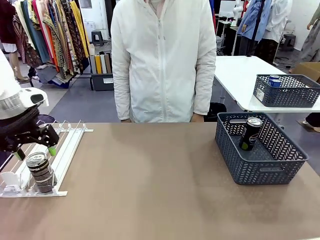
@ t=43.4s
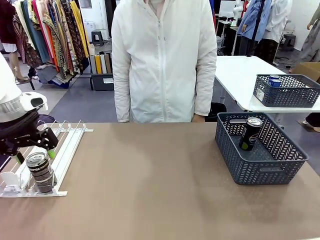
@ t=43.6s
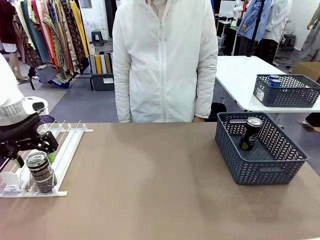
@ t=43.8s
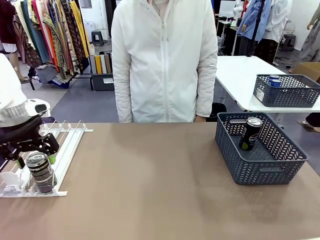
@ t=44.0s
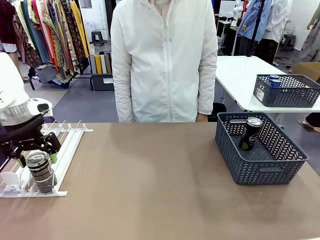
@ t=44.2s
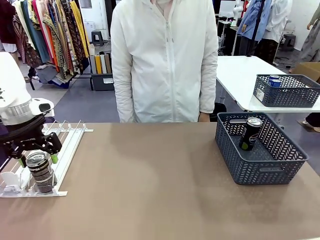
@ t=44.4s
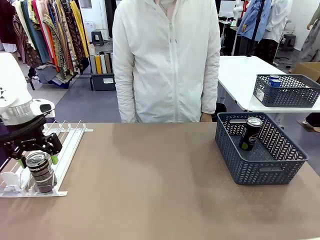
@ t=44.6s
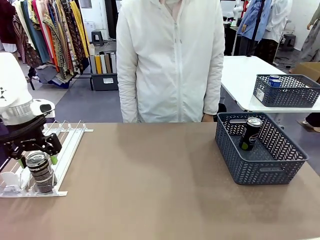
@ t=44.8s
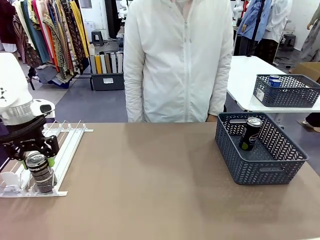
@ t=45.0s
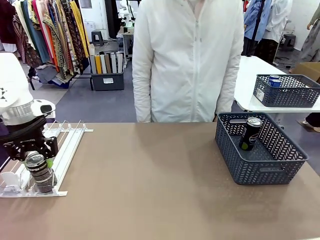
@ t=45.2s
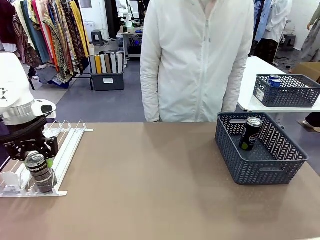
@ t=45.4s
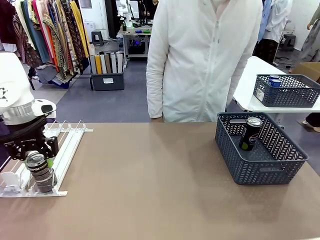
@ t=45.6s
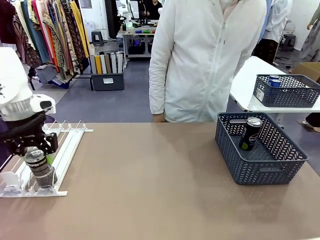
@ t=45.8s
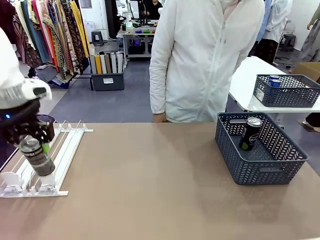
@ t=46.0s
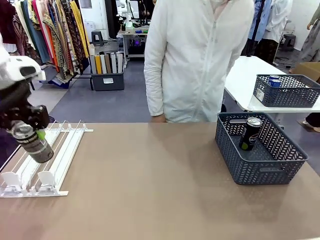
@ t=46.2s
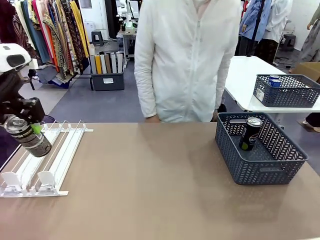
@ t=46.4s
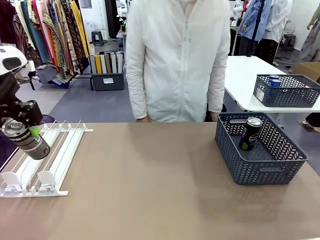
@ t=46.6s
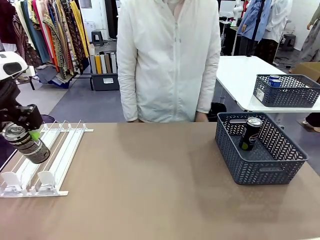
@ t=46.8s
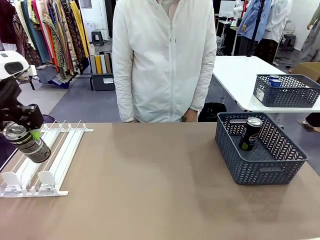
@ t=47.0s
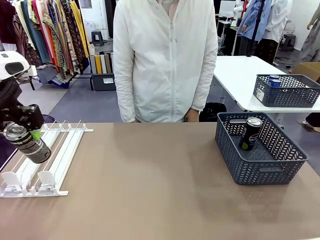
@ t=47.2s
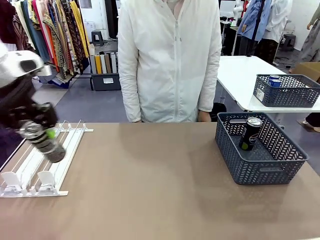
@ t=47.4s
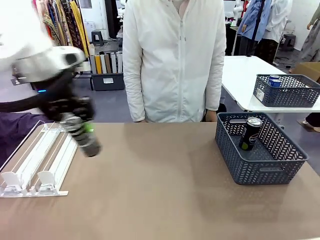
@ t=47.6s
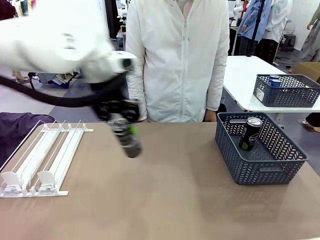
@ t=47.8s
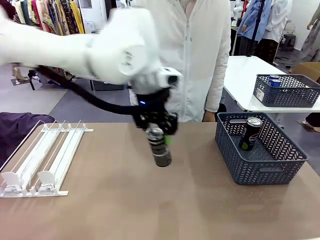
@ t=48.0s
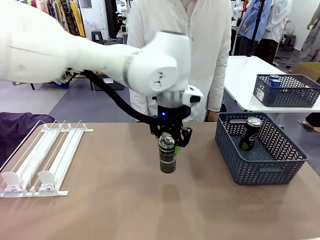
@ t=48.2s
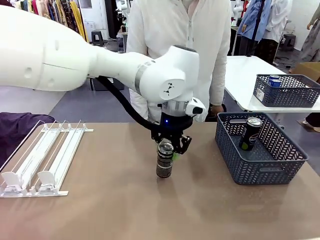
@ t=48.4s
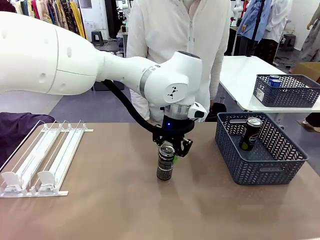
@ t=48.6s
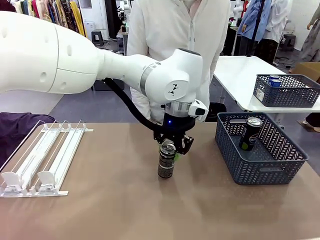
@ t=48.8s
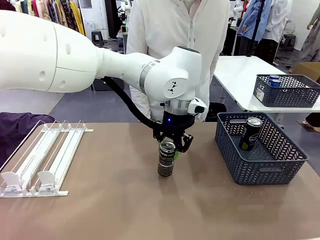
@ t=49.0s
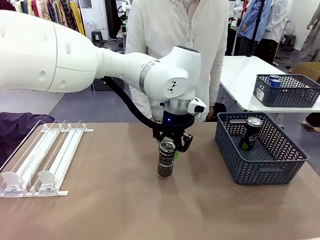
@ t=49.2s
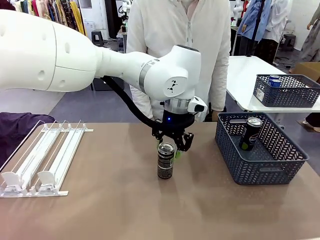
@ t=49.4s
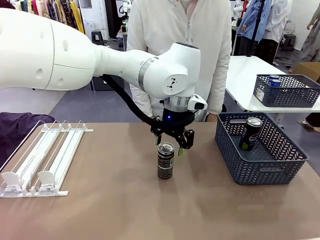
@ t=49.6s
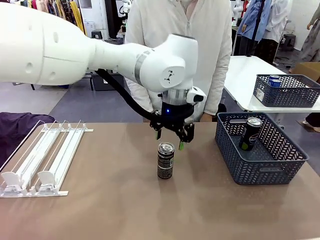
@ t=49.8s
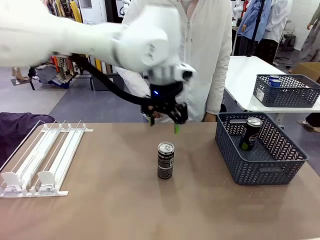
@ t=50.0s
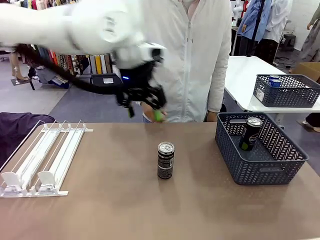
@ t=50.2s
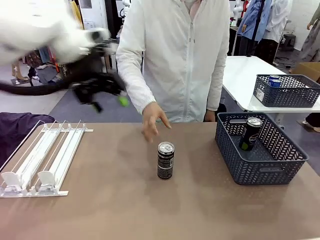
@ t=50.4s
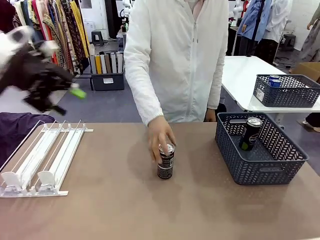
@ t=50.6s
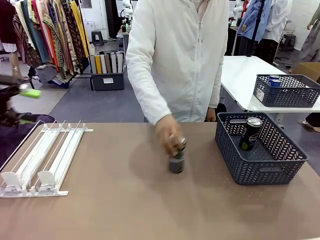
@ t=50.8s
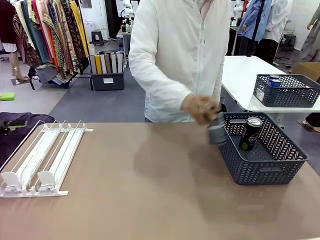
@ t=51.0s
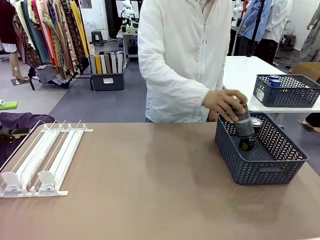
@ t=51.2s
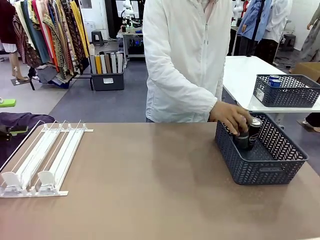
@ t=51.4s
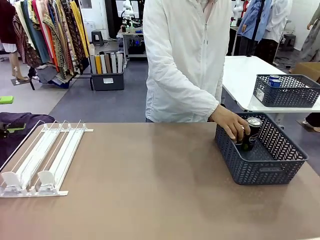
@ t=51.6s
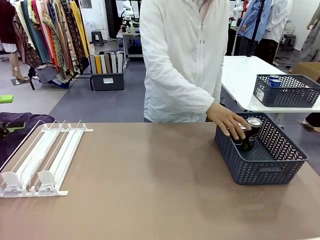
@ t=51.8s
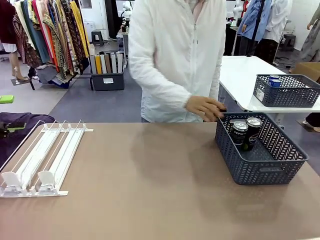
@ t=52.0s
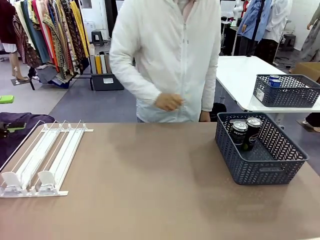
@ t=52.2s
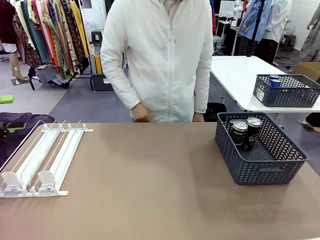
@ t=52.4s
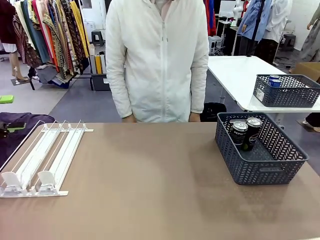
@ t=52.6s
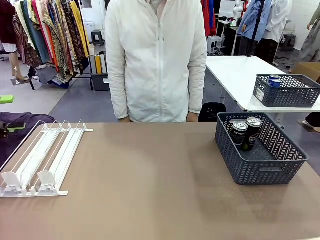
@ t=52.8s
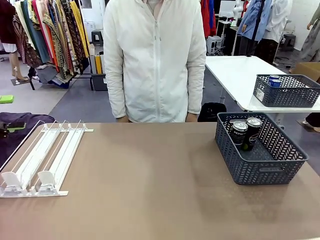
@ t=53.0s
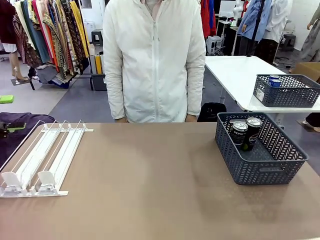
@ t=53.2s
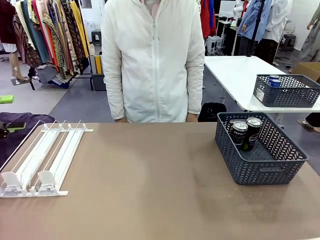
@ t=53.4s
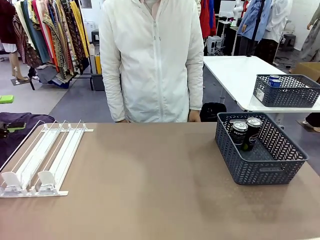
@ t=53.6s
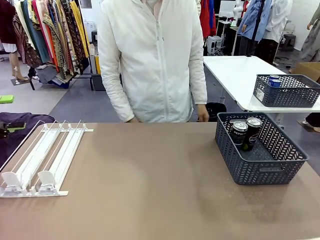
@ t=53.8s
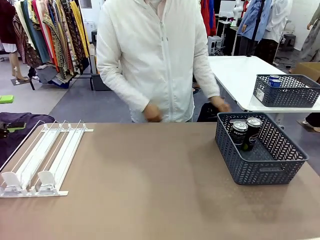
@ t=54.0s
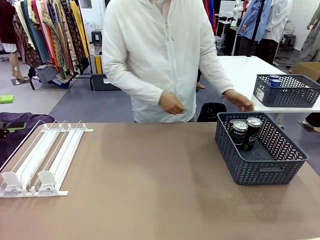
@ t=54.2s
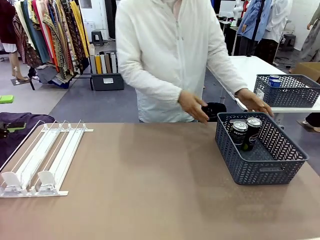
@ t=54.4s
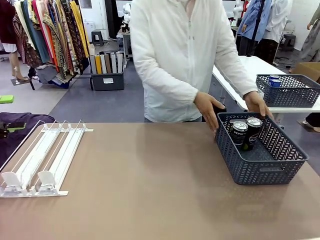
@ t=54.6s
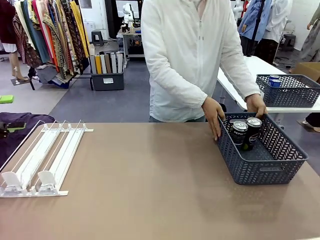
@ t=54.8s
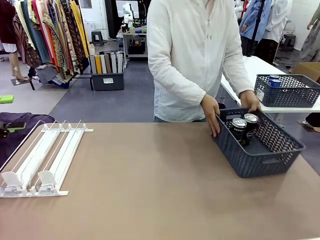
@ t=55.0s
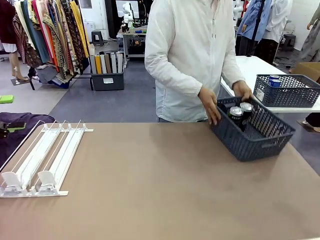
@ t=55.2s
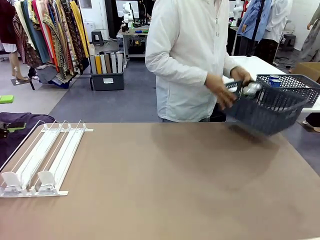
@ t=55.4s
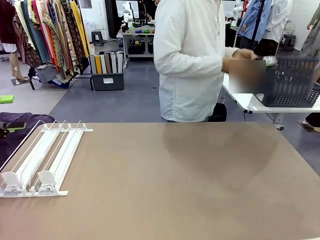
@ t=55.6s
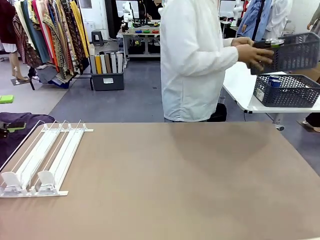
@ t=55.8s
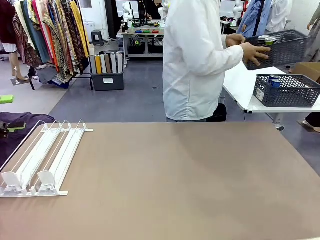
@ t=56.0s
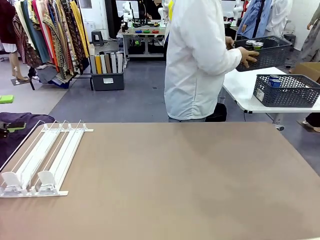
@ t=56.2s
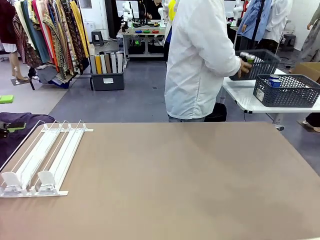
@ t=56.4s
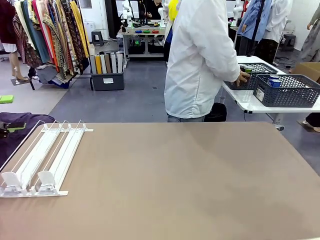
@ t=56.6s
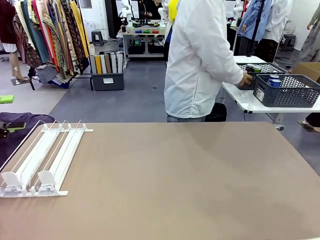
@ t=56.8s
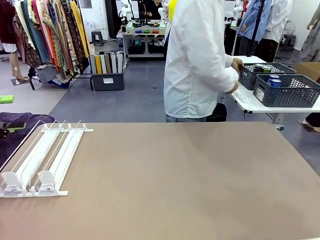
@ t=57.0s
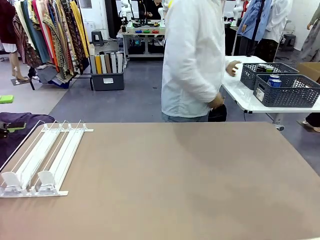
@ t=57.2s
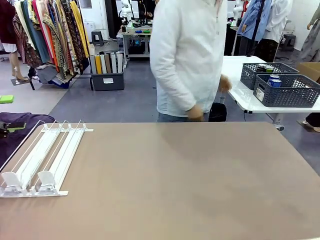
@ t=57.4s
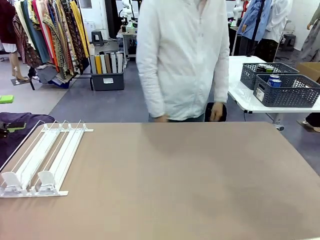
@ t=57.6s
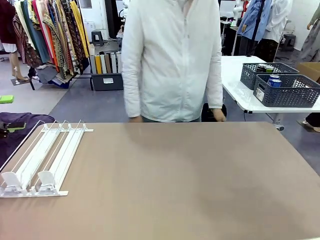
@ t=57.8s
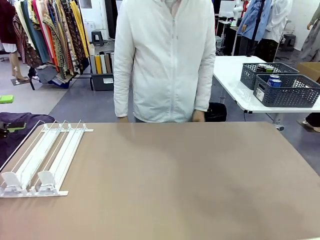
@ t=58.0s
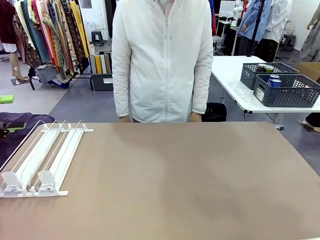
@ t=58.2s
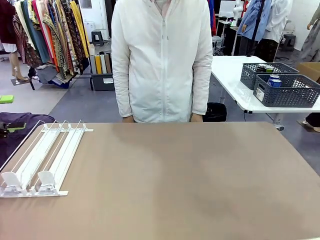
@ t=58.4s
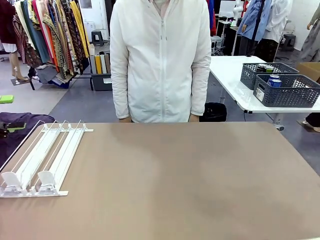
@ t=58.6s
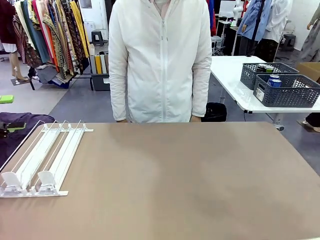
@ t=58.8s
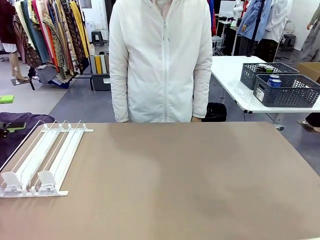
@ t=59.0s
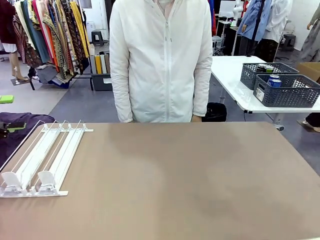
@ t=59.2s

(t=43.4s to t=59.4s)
Task: Retrieve and store the cans from the dispenser.
Robot: Pick up one can from the Automatic Can Dispenser and place it in the middle of the table.
Person: Pick up one sports drink can from the middle of the robot table and place it in the basket. Pick up the basket and place it in the middle of the human table.
